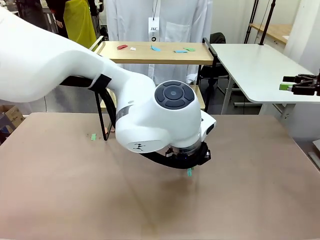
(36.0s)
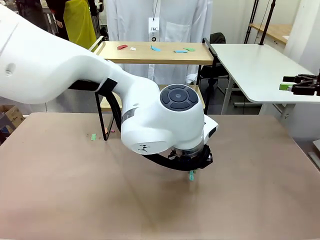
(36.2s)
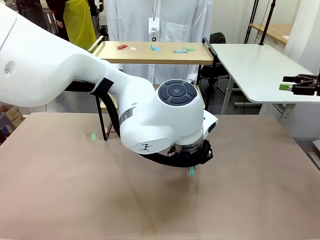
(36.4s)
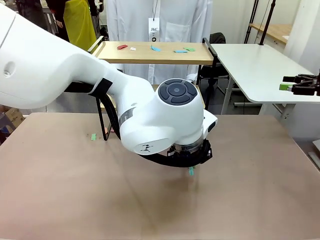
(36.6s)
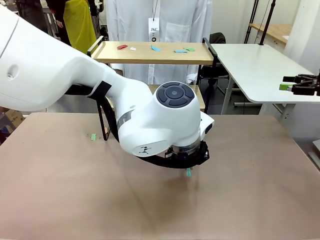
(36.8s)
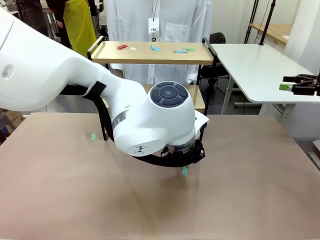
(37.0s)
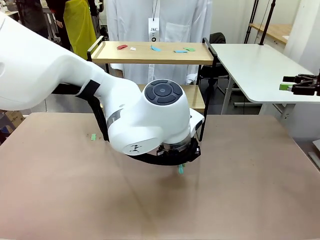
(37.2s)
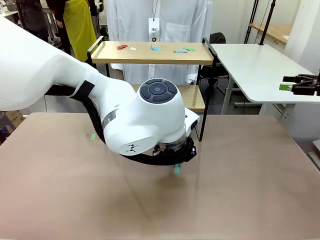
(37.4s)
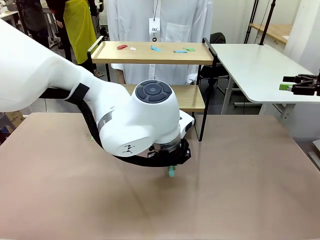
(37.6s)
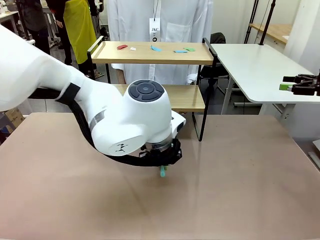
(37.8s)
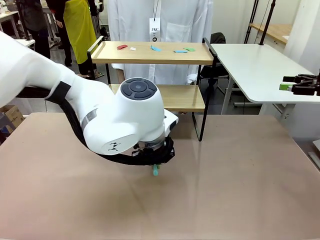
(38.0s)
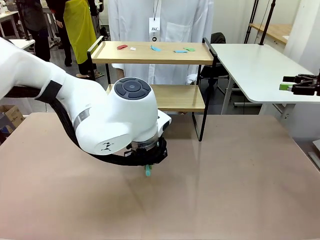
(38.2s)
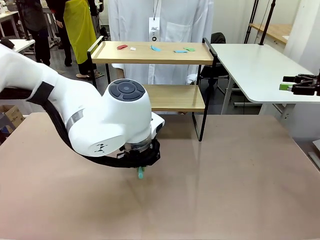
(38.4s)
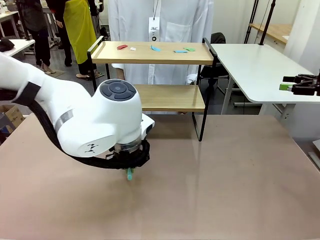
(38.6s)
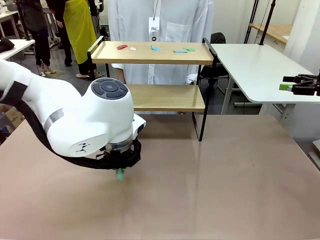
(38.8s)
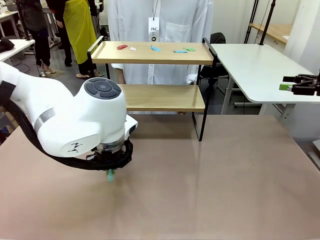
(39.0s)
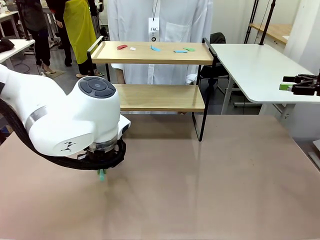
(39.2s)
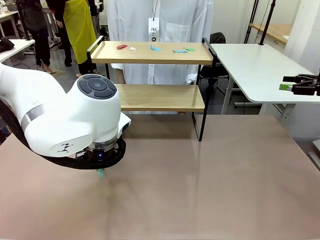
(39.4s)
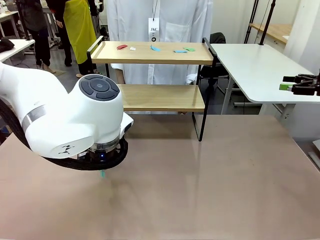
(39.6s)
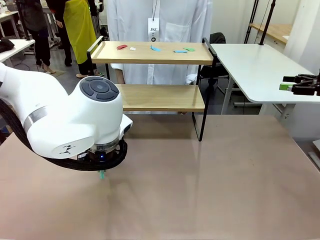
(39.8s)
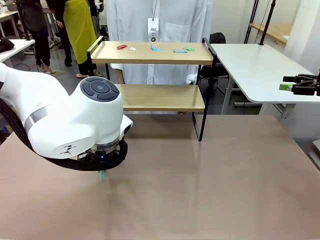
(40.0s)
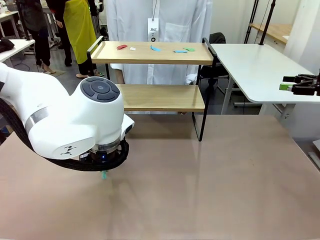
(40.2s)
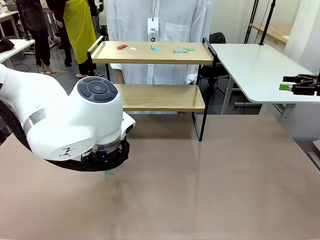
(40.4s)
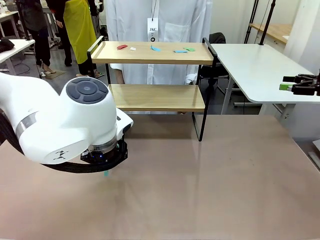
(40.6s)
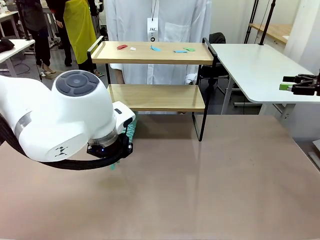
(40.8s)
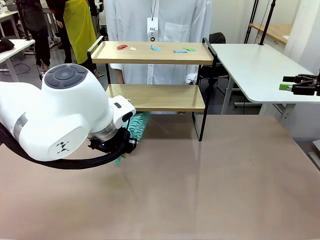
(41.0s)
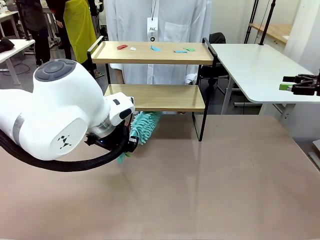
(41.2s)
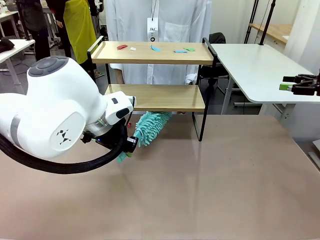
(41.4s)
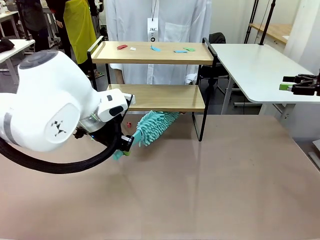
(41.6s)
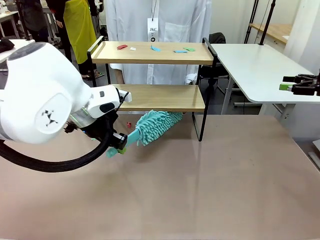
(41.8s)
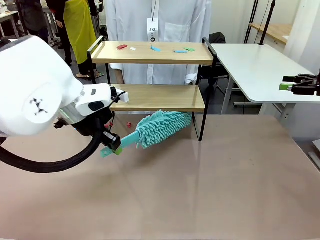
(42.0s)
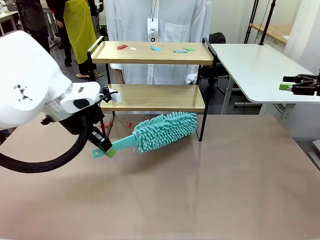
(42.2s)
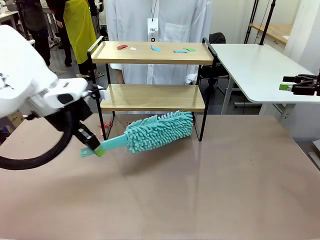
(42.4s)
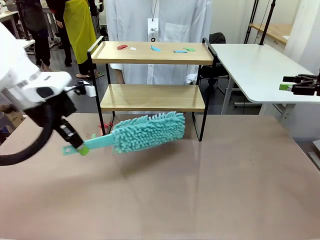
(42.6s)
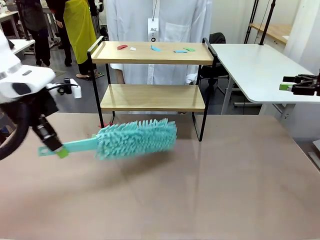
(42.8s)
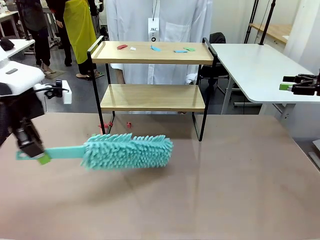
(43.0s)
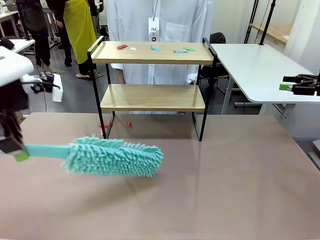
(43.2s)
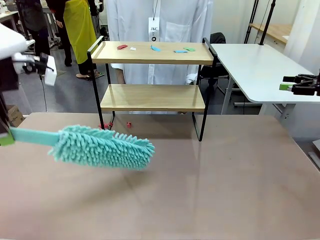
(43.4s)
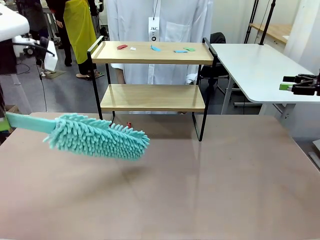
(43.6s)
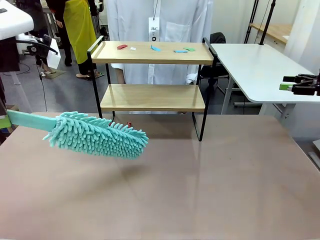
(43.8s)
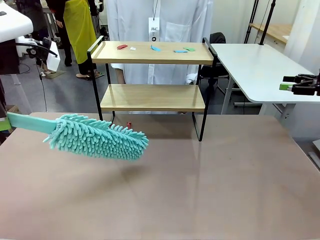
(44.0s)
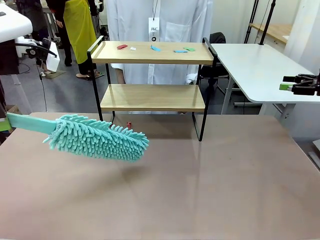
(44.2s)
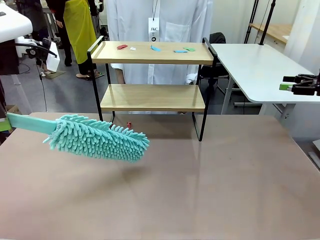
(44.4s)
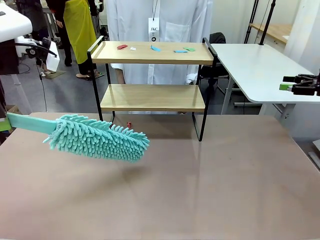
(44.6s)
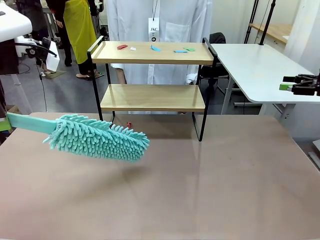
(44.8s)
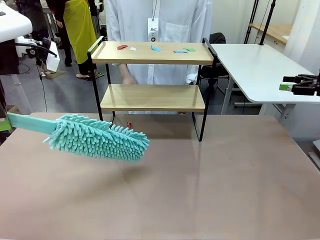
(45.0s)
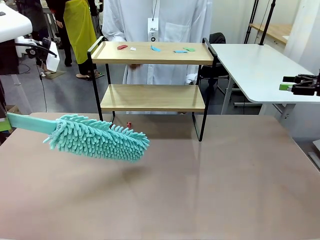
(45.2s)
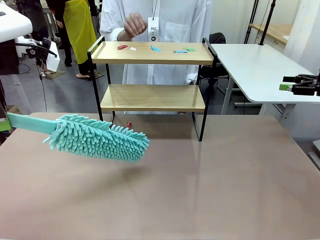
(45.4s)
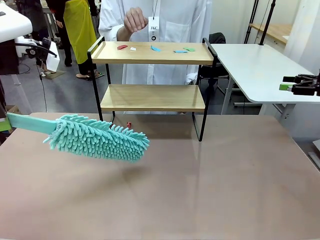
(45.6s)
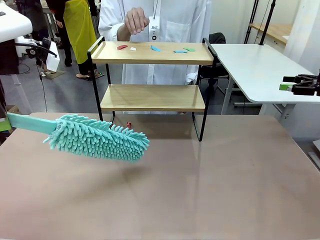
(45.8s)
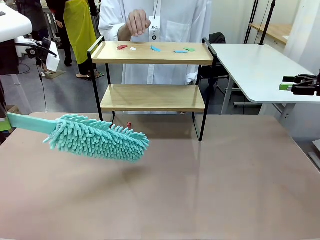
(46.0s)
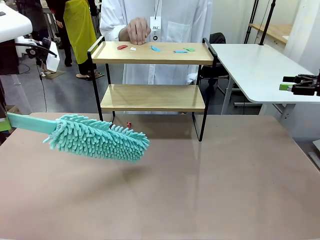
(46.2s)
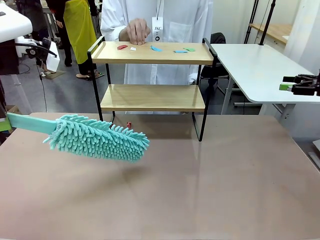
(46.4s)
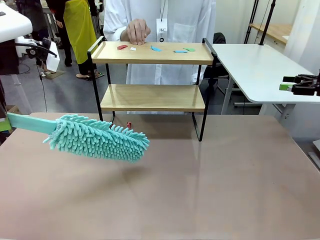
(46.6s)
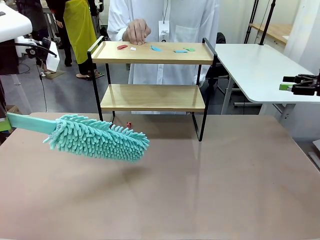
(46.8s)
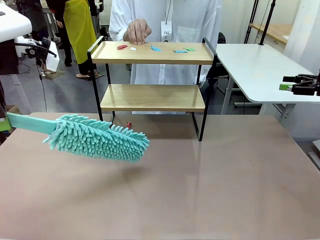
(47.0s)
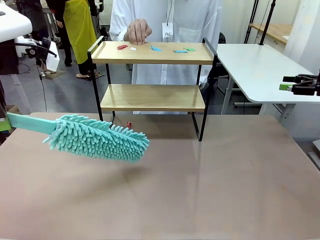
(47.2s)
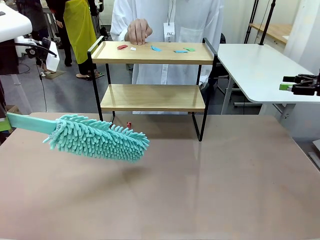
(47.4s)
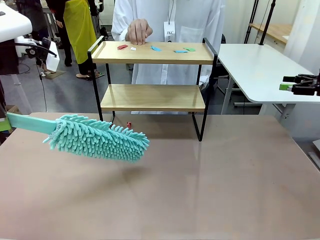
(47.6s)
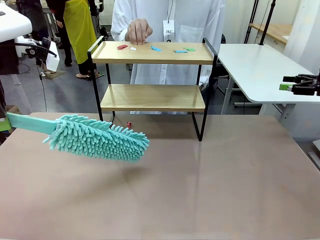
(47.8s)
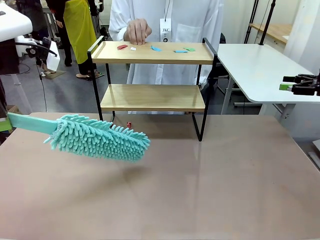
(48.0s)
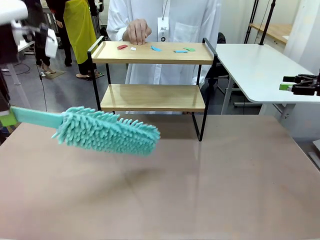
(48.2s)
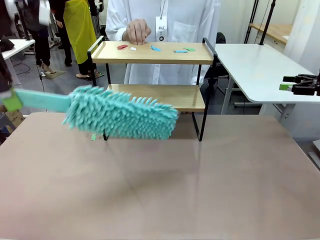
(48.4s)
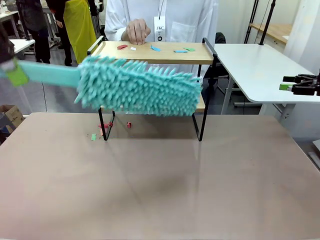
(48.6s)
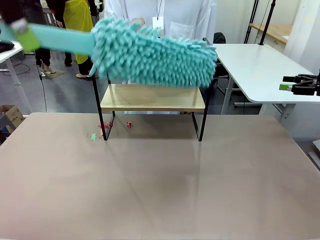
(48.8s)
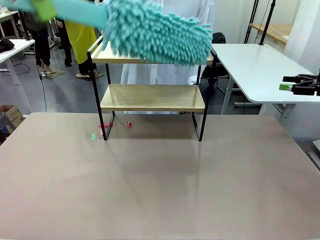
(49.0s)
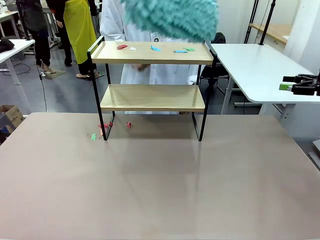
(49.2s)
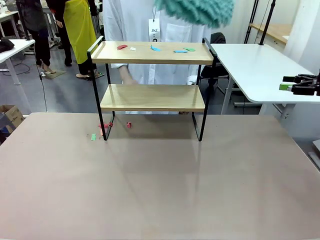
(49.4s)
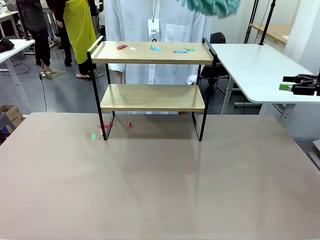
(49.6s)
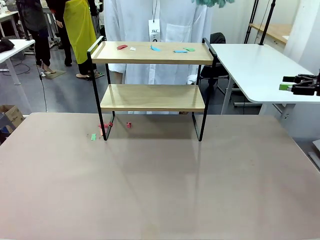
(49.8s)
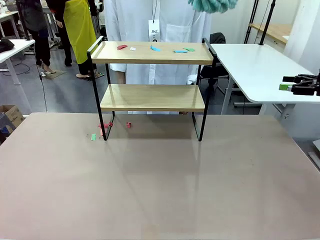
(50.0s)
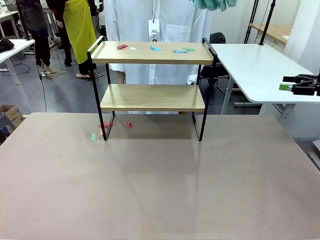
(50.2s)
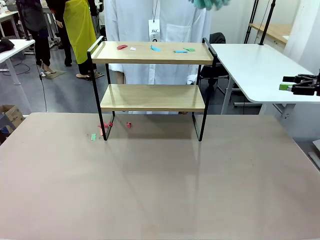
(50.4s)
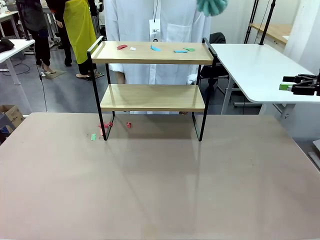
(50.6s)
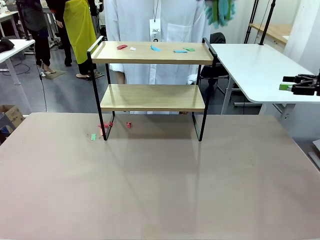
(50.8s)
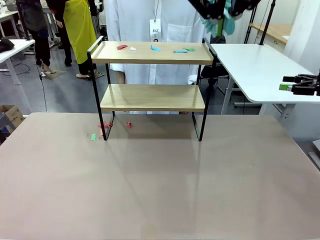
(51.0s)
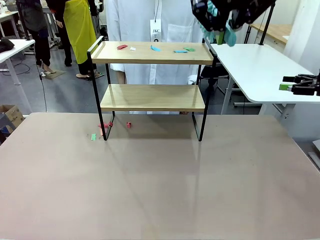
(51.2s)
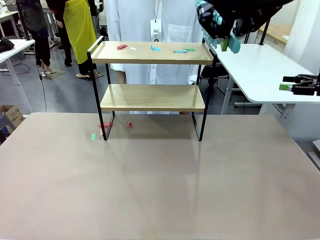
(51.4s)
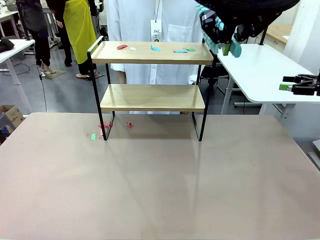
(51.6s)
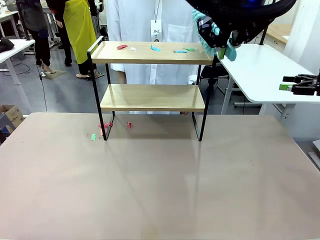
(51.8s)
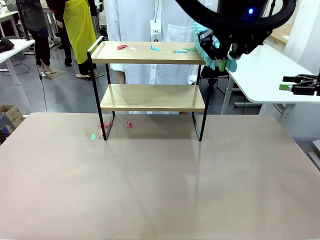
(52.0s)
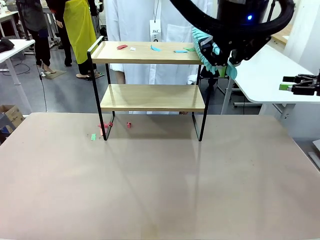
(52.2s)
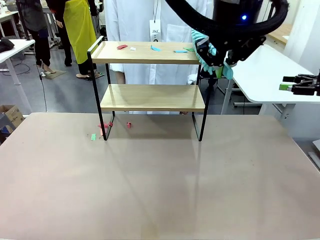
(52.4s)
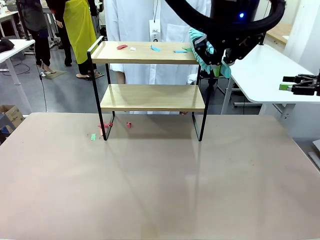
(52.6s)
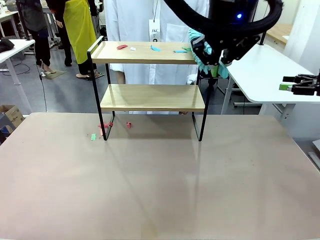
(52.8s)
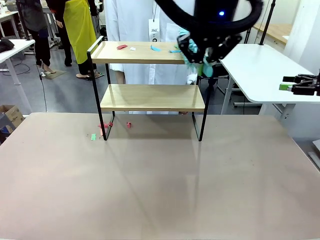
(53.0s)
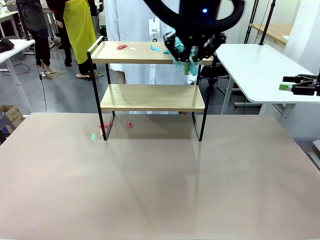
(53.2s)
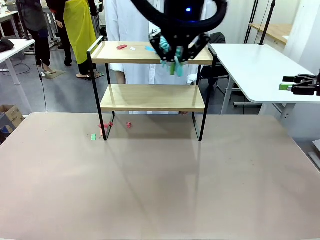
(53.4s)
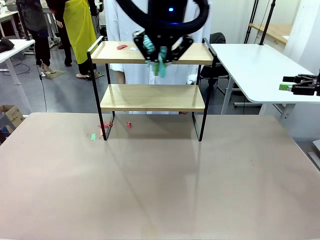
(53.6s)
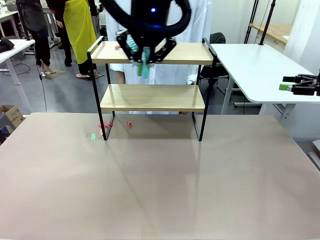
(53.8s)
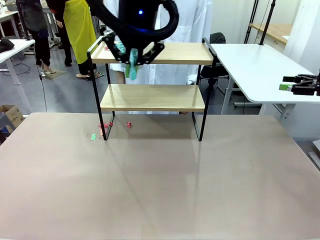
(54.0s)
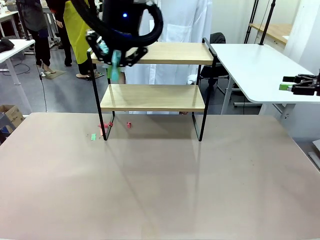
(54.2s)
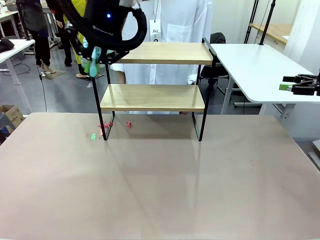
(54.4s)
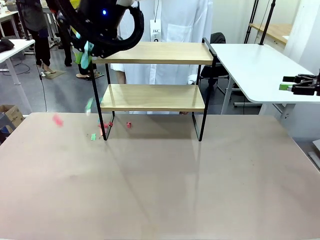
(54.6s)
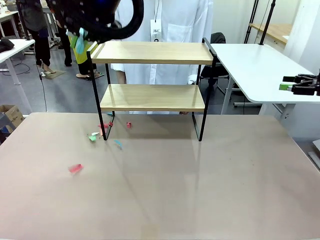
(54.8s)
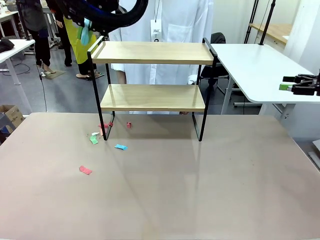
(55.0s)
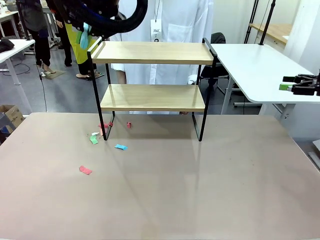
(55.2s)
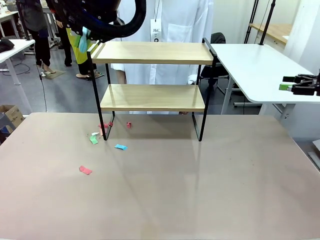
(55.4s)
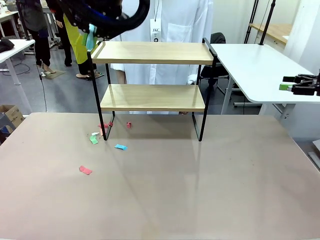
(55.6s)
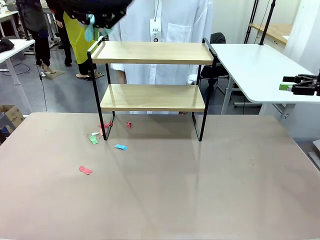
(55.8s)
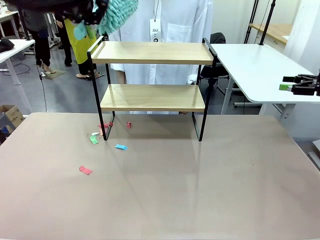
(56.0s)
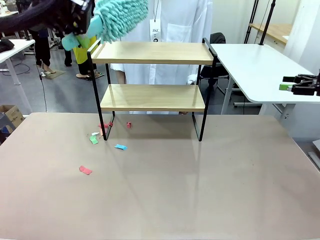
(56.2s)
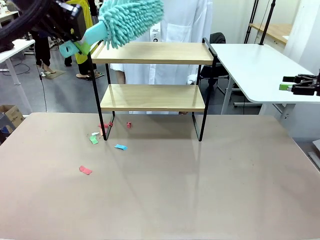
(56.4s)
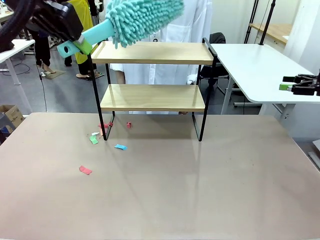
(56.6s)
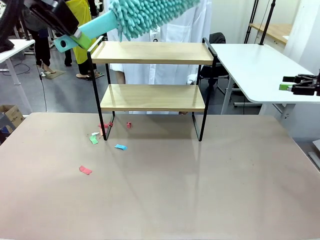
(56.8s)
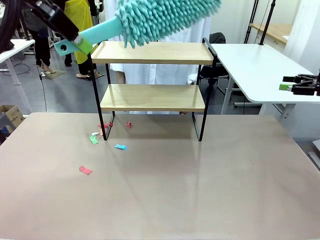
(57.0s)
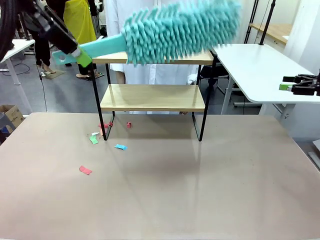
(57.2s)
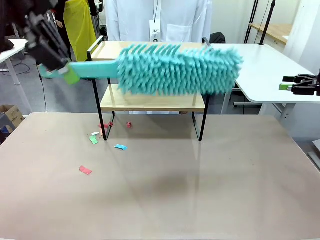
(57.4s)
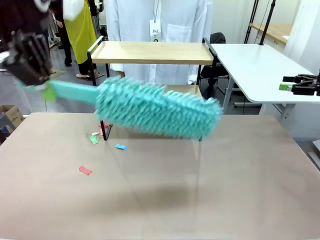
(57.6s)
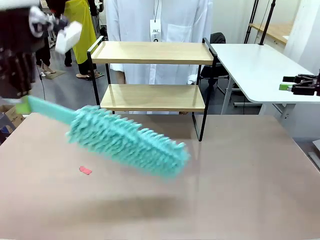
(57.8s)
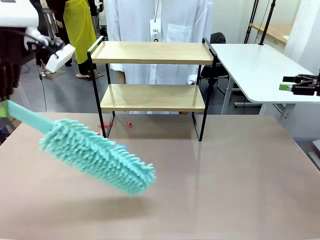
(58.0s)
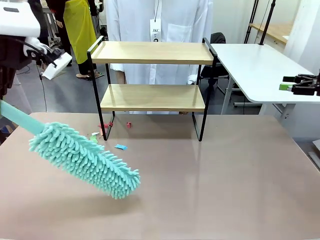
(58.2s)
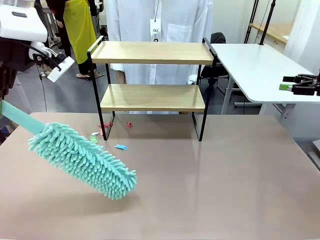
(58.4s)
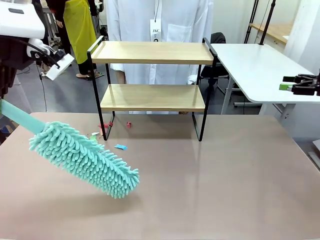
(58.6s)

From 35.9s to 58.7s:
Task: Clean the shelf.
Robot: Clean the specific section of the Shelf indicated by the human with the Duster.
Person: Point a remaining section of the Shelf.
